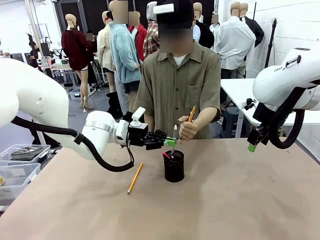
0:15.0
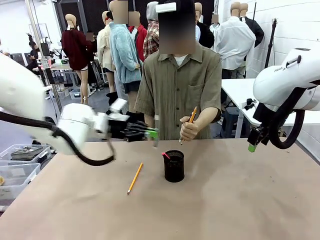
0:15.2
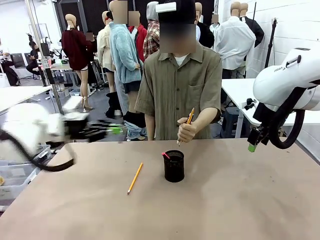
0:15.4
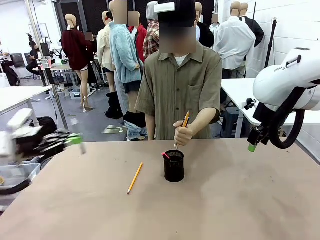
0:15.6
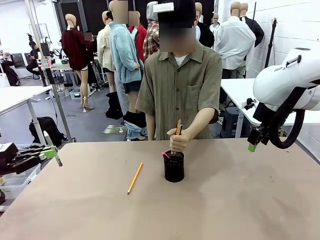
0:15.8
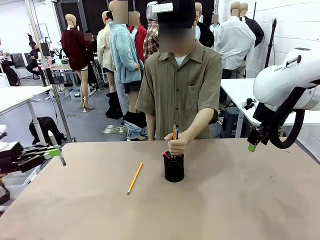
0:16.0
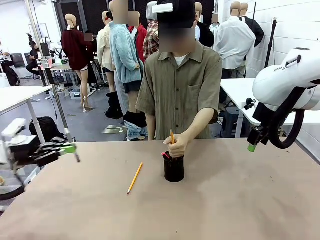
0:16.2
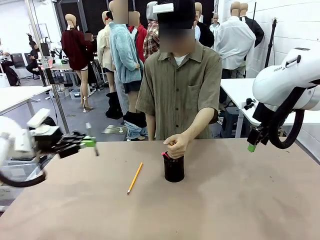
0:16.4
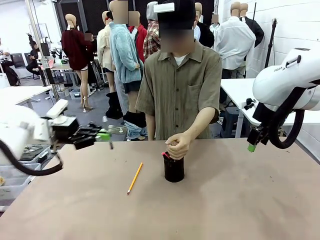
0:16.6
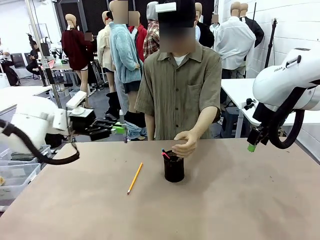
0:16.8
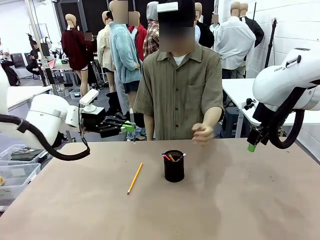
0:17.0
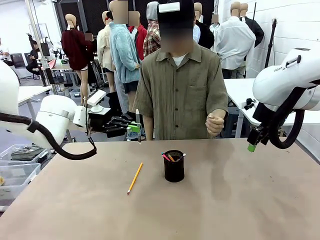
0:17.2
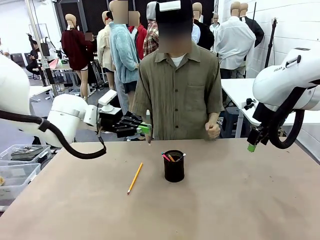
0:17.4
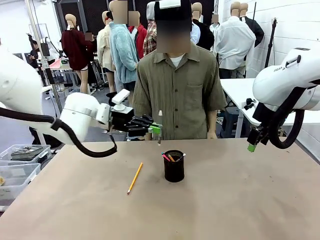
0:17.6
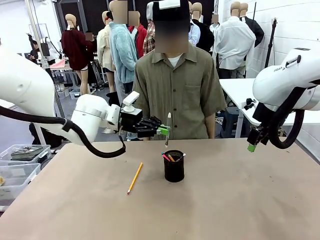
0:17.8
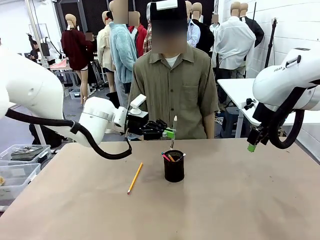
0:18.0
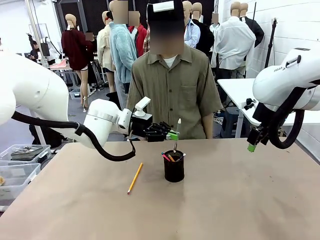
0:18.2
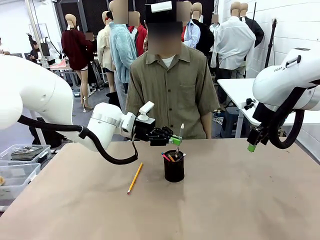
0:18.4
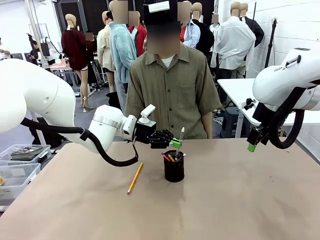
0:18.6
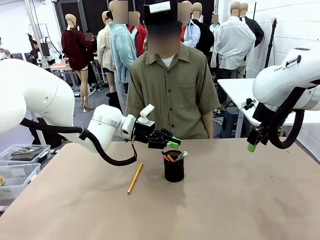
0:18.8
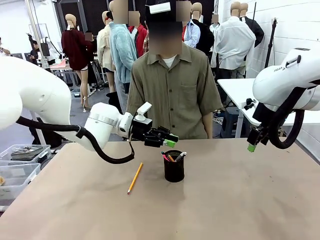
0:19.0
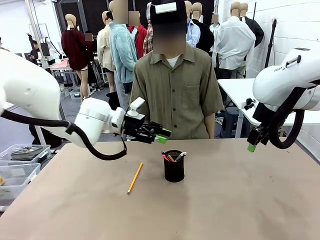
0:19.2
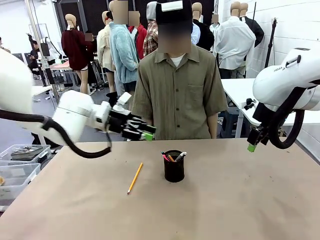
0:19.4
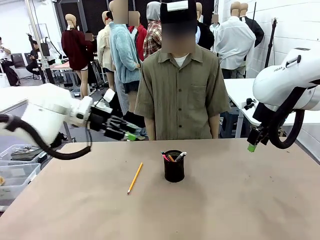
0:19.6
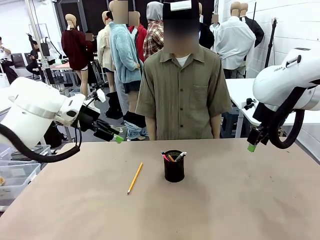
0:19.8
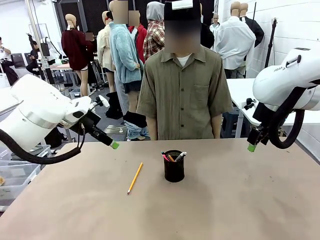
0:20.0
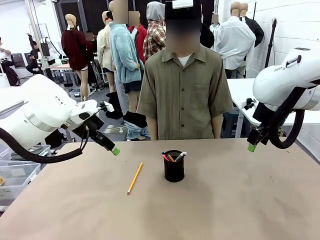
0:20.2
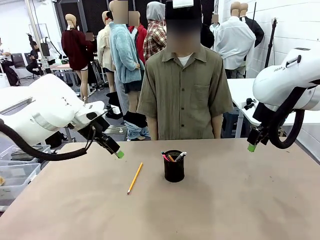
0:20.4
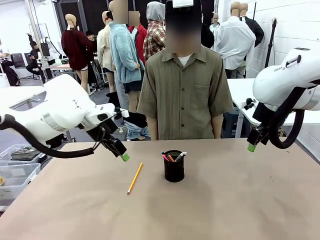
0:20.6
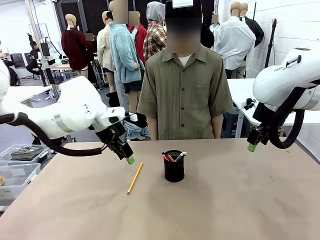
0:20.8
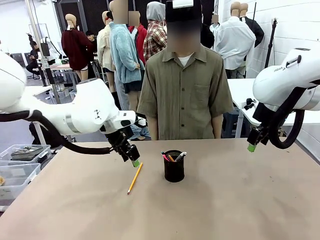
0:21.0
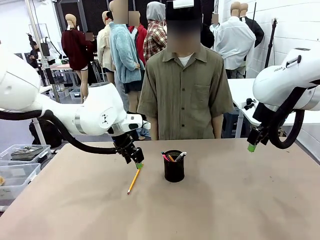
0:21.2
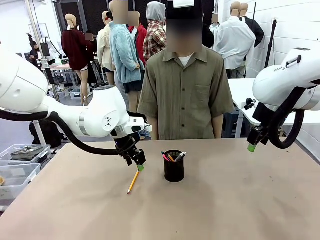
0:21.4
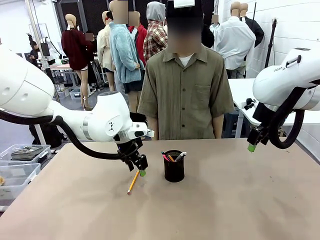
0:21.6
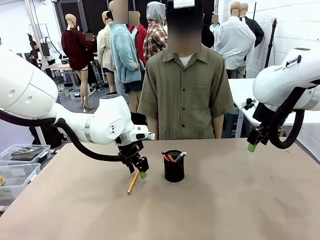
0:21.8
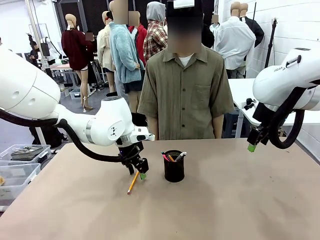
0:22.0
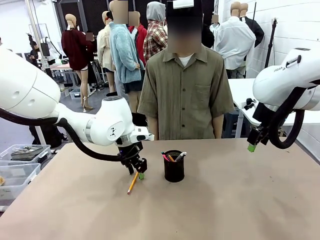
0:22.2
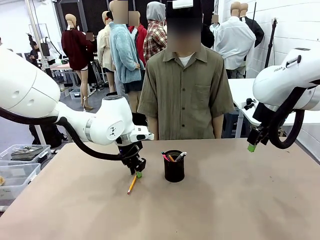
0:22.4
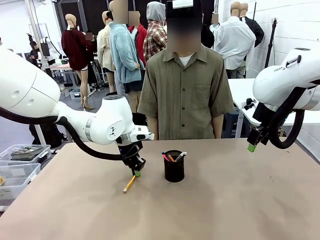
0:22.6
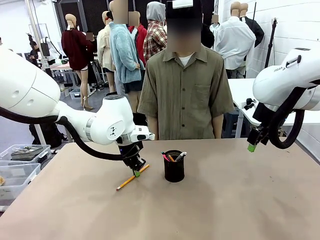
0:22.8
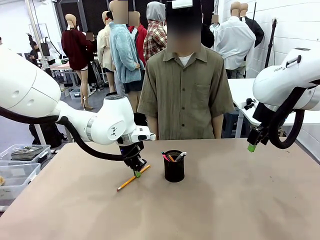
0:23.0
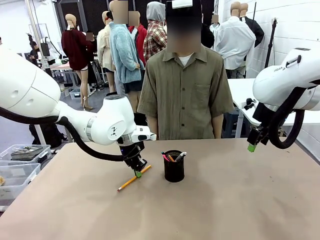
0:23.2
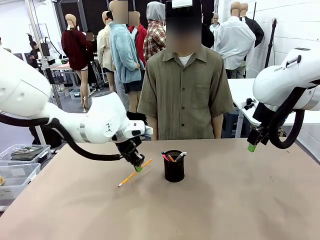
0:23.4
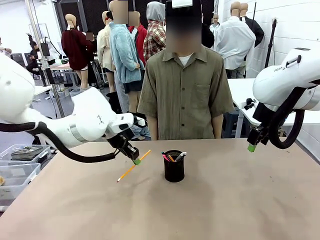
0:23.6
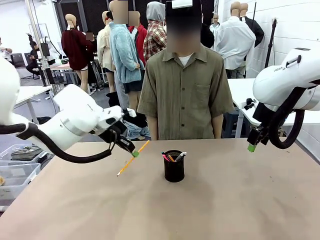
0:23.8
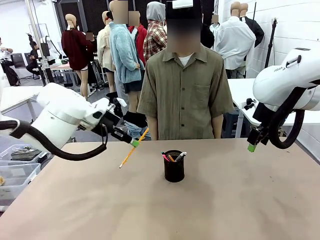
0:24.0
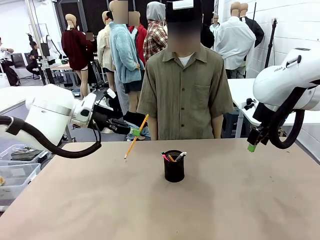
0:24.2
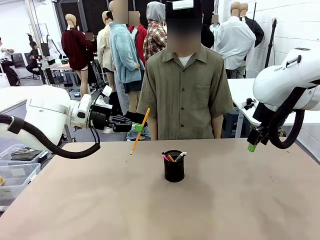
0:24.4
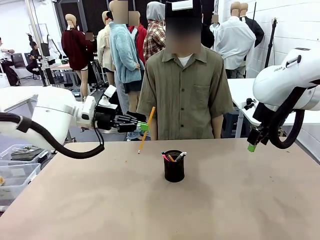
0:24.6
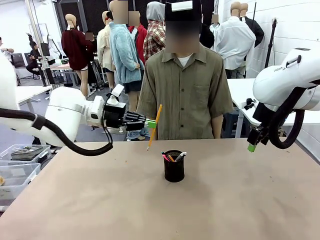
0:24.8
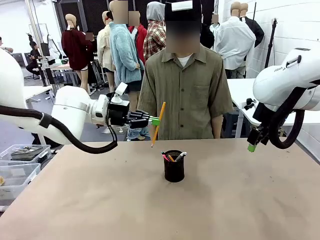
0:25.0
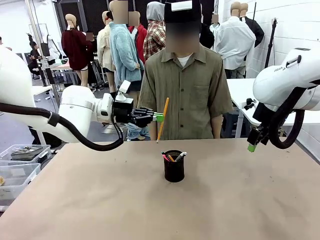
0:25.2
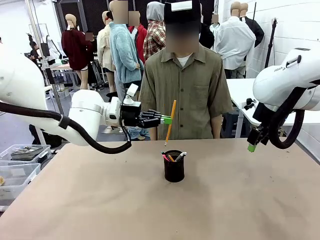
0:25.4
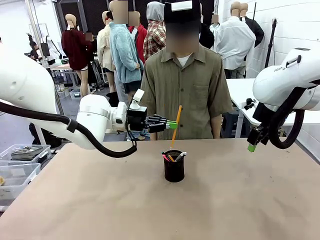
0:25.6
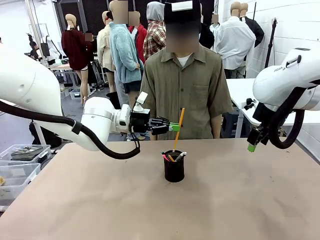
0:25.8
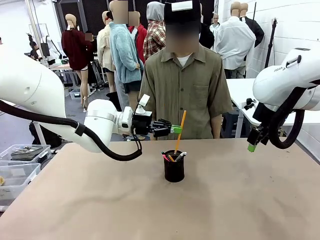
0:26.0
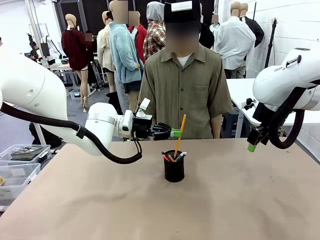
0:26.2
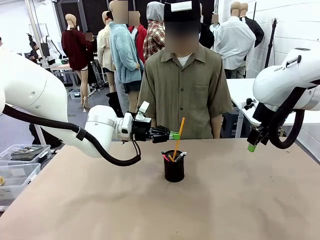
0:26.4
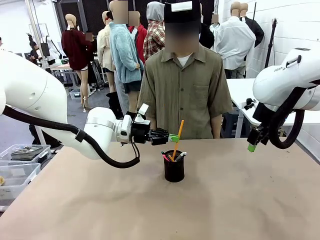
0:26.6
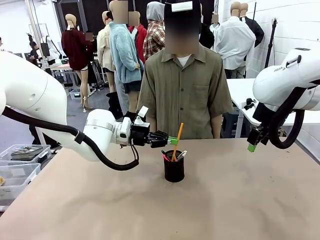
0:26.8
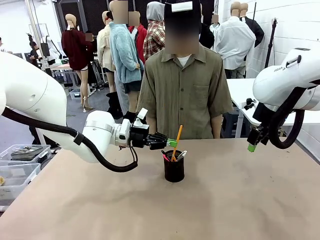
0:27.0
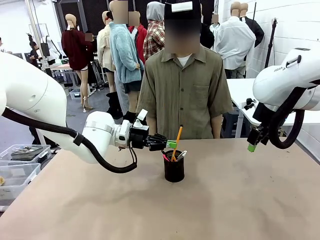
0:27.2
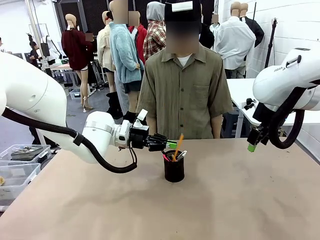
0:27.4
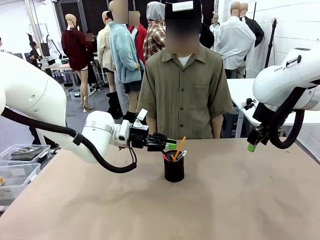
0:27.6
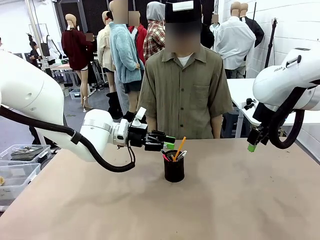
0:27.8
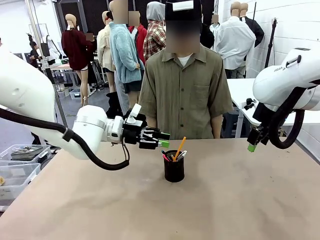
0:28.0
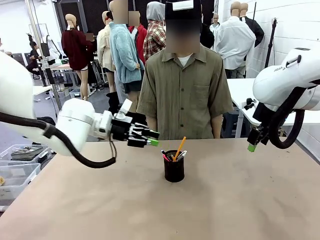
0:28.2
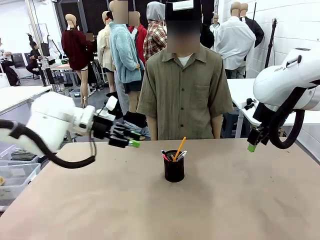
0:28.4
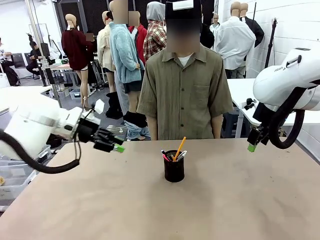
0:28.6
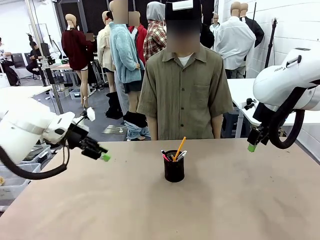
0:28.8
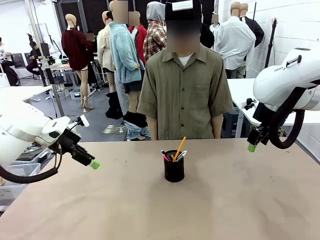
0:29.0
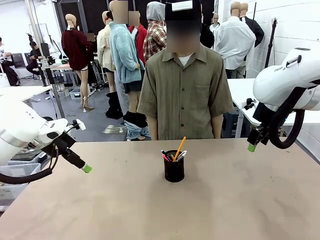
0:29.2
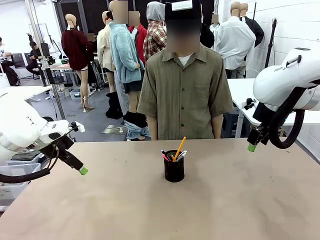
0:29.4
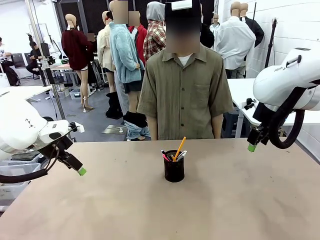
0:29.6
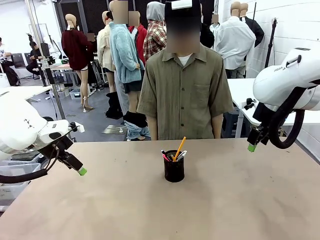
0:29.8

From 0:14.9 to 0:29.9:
Task: Place the pens into the pen holder.
Robot: Pick up a writing instrument from the table and place it into the Pen holder.
Person: Place all writing instrument into the Pen holder.

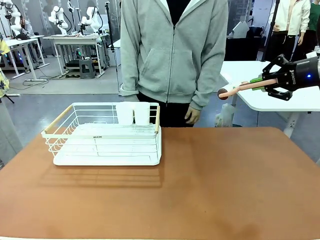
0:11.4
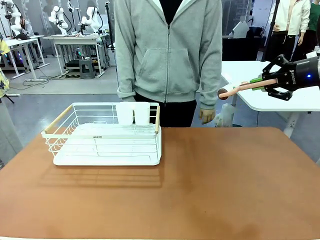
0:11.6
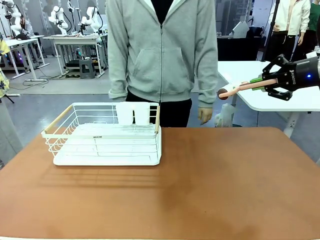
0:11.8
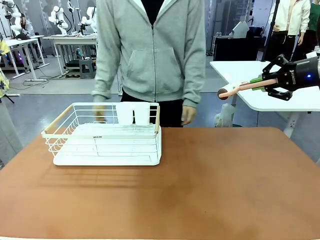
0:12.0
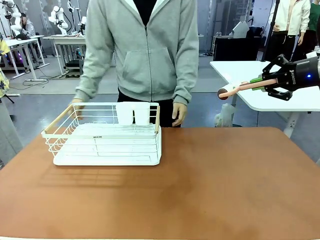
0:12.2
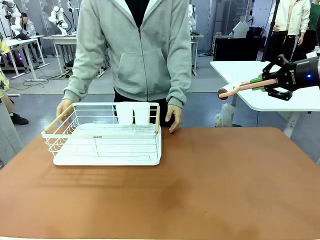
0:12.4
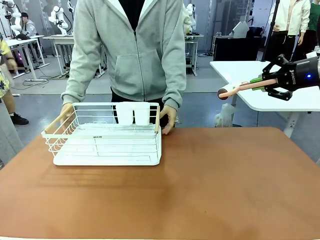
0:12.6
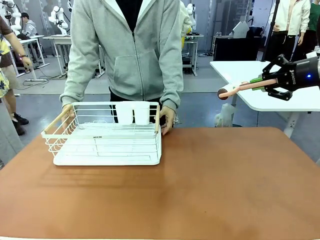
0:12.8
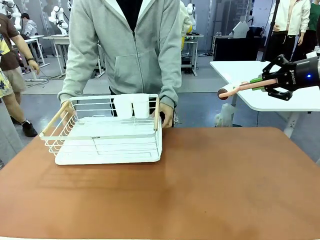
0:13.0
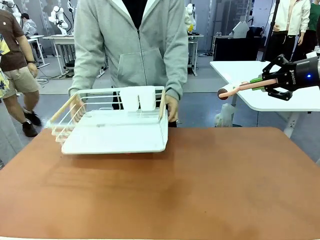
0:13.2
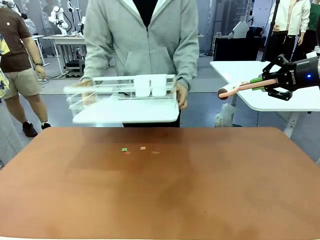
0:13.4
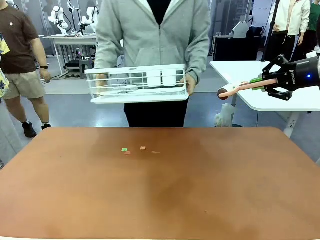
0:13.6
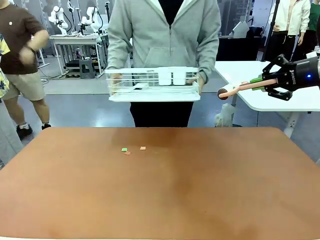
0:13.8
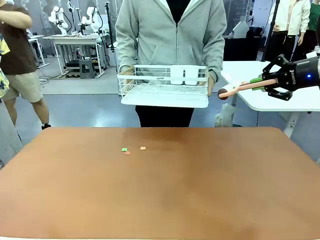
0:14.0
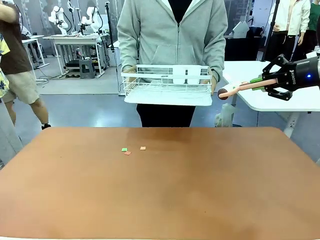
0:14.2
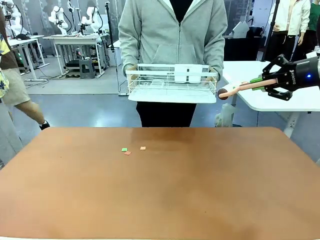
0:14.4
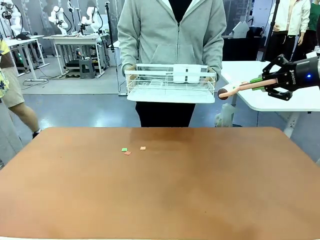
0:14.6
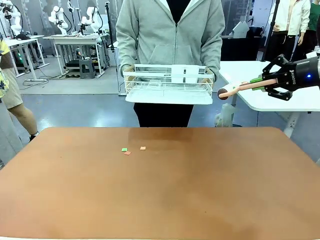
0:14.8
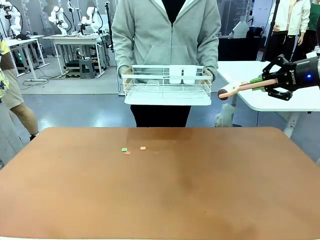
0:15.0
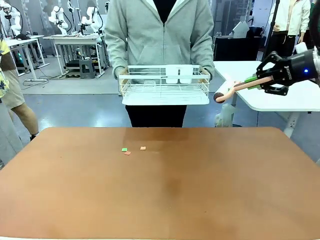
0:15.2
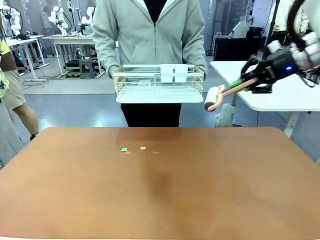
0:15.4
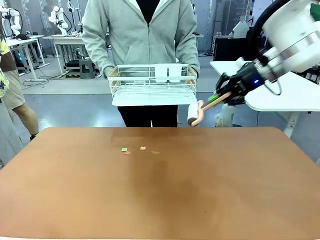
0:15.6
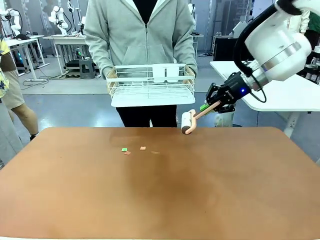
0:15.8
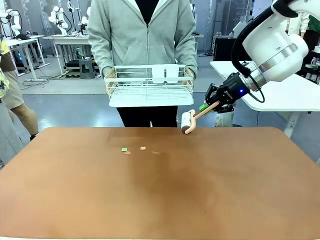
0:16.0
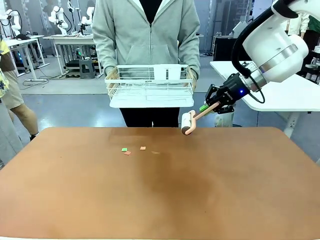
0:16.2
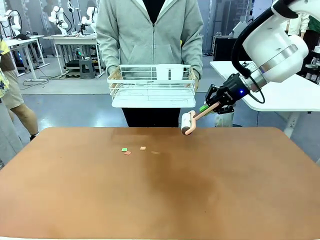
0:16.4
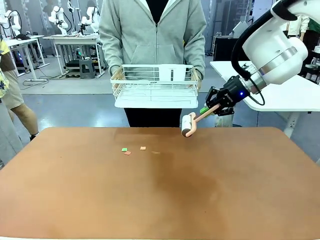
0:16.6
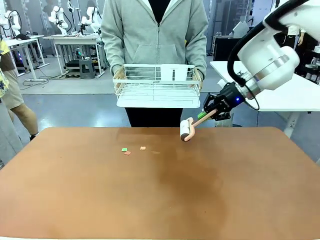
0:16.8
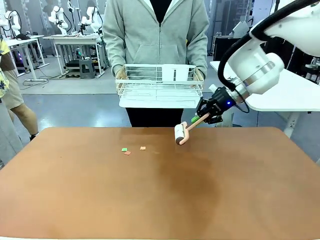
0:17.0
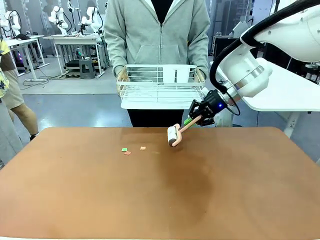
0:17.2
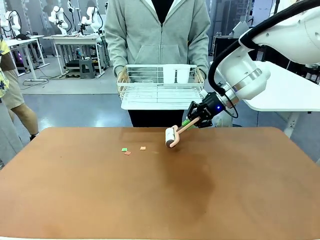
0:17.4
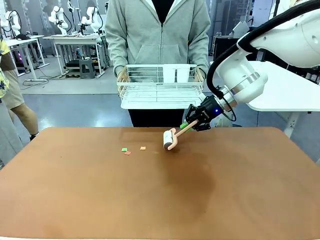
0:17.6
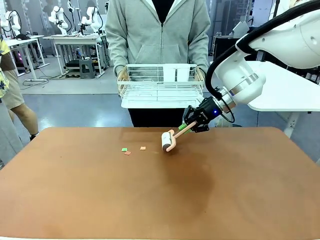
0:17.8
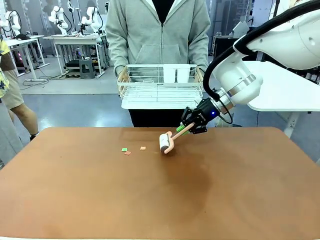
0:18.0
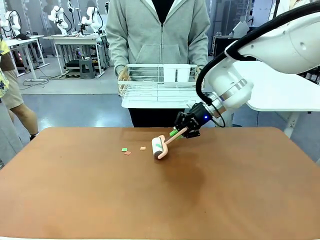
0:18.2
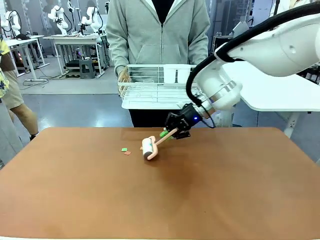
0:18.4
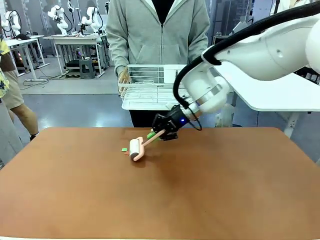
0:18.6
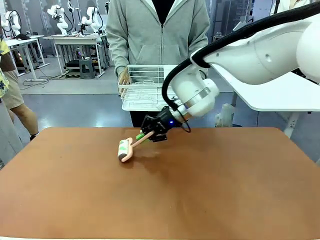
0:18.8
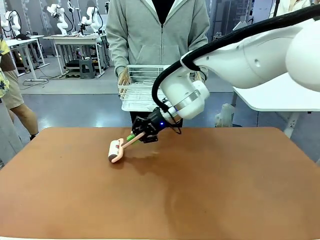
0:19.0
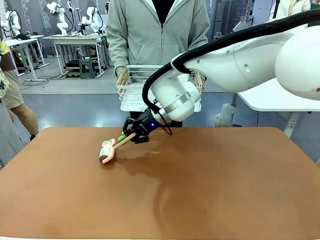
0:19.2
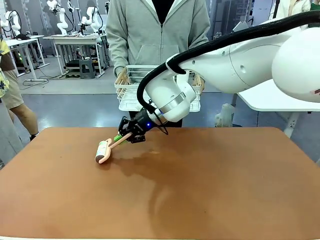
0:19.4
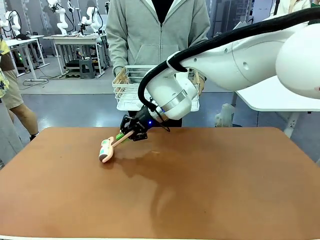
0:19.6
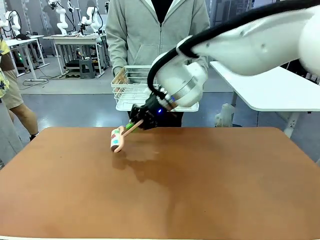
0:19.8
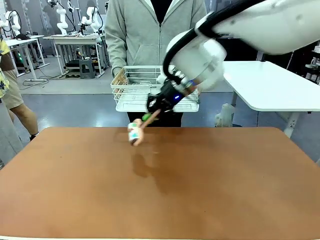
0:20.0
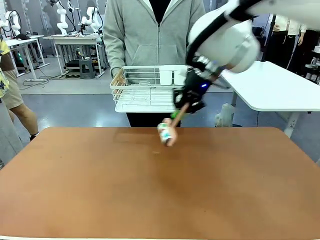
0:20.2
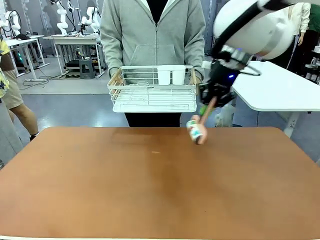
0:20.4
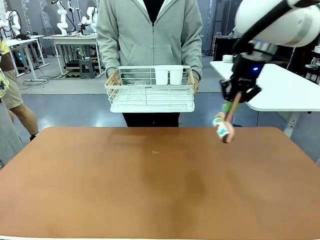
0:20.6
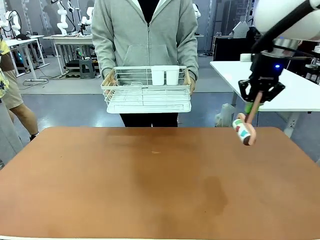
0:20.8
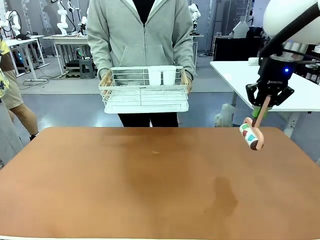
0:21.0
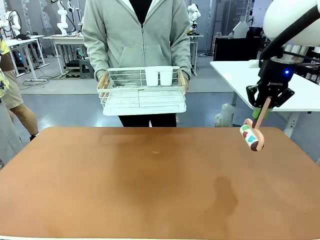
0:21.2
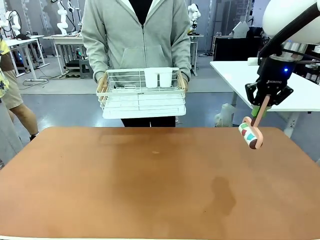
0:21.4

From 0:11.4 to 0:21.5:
Task: Clean the table.
Robot: Clean the table with the Lint Roller when the human lifts the Dish drying rack.
